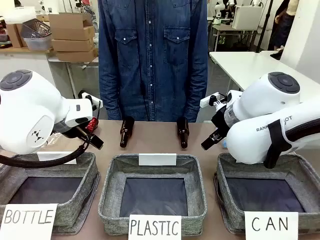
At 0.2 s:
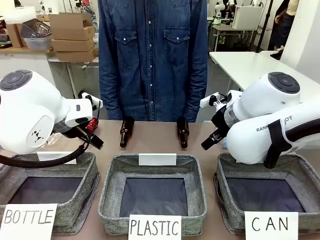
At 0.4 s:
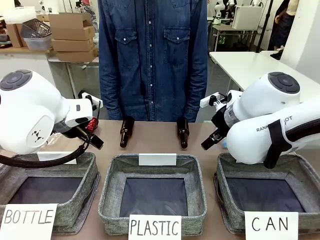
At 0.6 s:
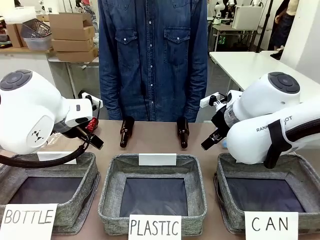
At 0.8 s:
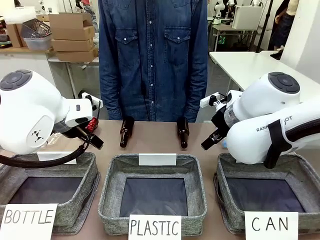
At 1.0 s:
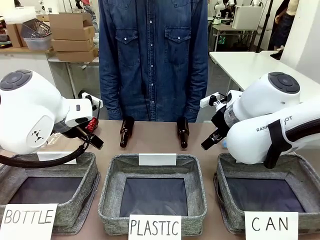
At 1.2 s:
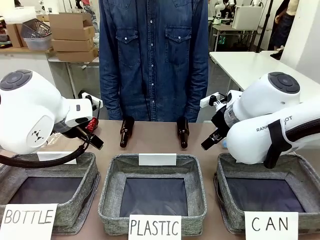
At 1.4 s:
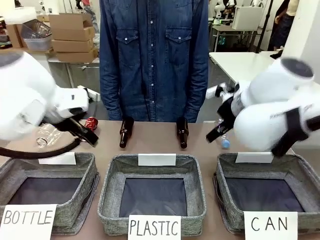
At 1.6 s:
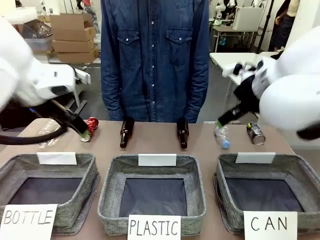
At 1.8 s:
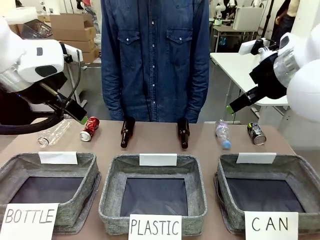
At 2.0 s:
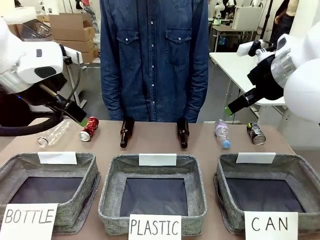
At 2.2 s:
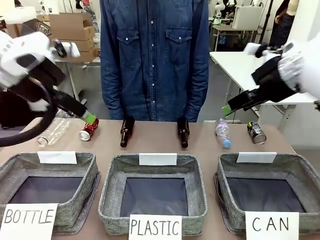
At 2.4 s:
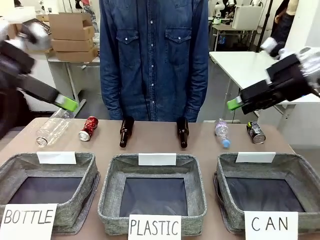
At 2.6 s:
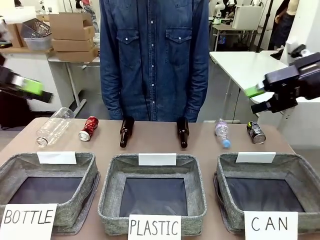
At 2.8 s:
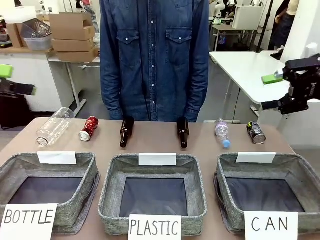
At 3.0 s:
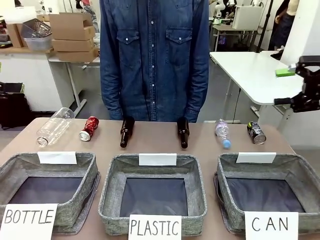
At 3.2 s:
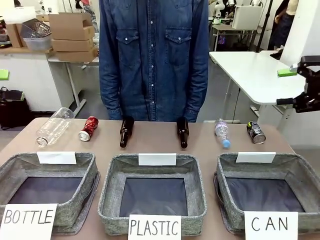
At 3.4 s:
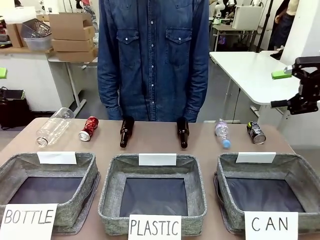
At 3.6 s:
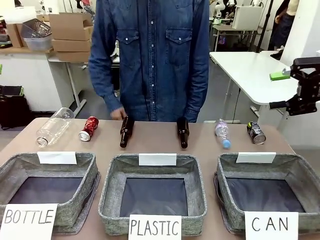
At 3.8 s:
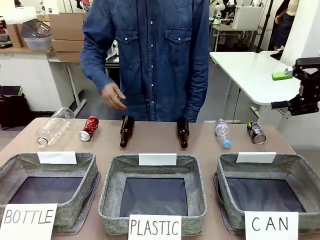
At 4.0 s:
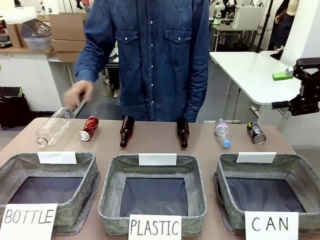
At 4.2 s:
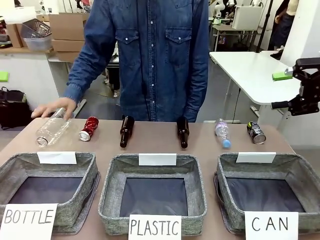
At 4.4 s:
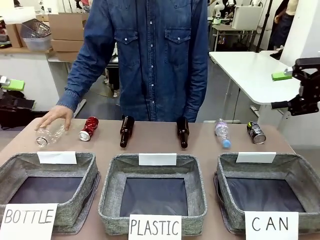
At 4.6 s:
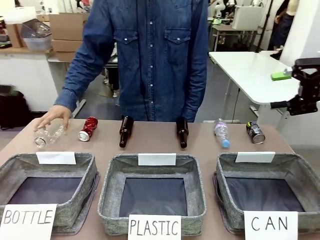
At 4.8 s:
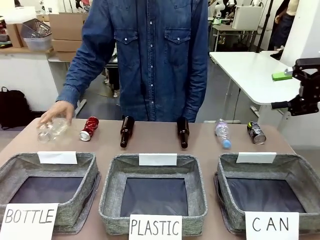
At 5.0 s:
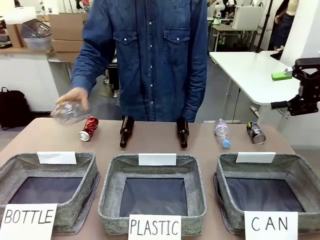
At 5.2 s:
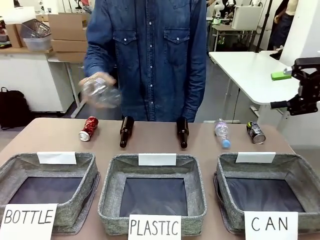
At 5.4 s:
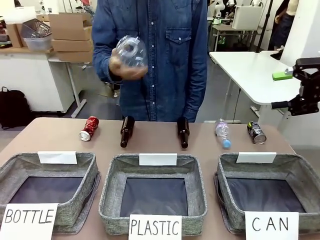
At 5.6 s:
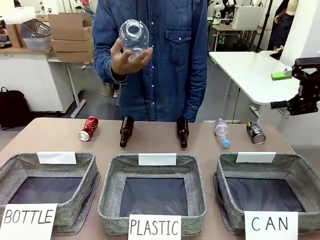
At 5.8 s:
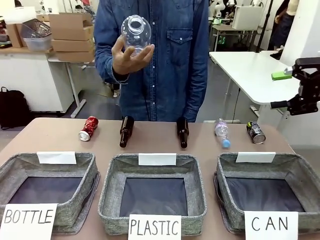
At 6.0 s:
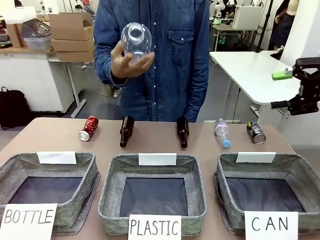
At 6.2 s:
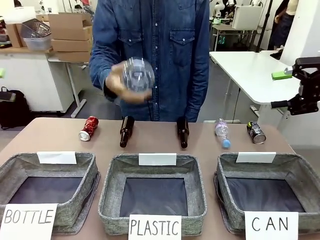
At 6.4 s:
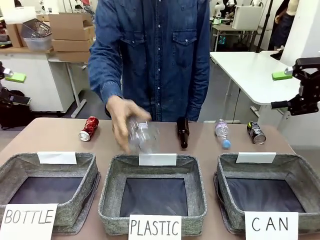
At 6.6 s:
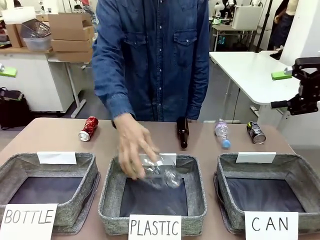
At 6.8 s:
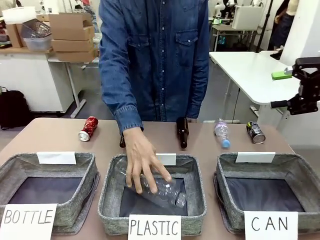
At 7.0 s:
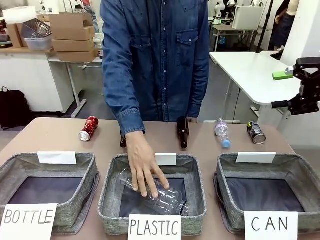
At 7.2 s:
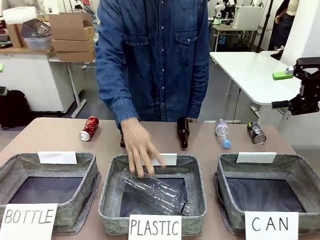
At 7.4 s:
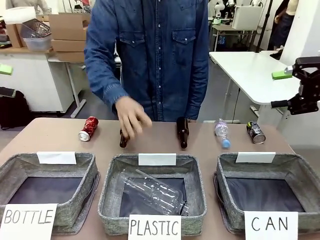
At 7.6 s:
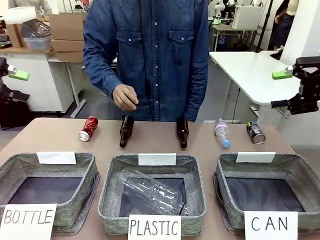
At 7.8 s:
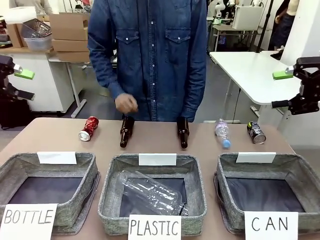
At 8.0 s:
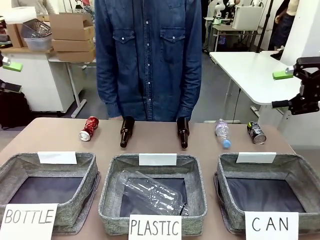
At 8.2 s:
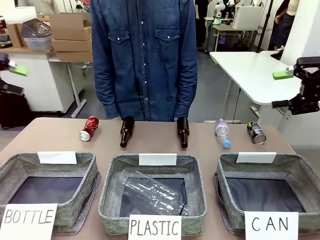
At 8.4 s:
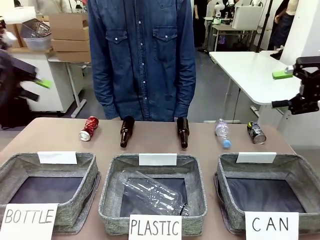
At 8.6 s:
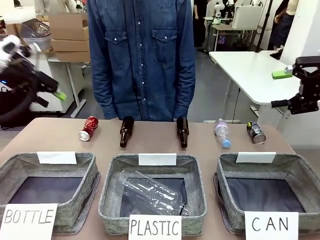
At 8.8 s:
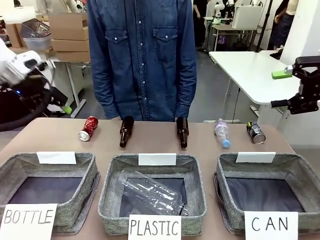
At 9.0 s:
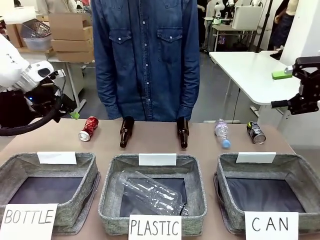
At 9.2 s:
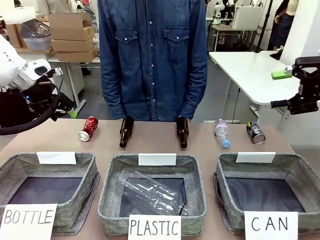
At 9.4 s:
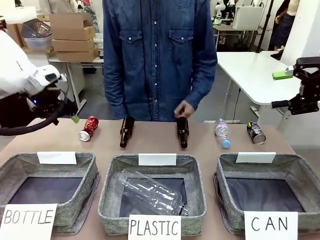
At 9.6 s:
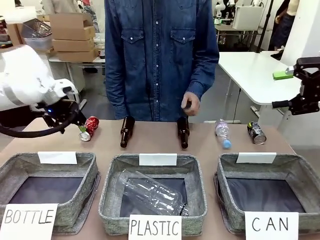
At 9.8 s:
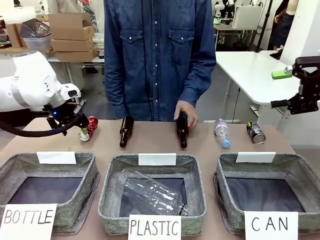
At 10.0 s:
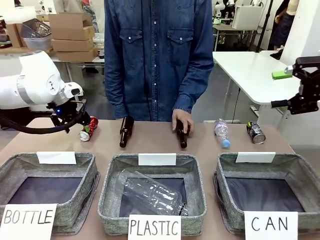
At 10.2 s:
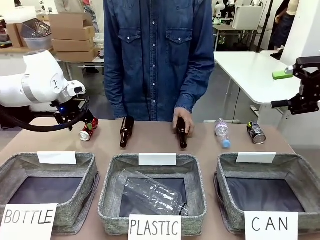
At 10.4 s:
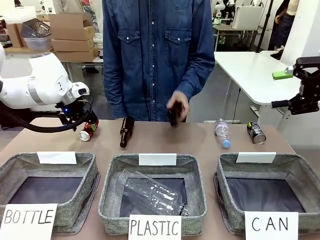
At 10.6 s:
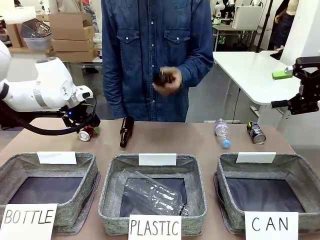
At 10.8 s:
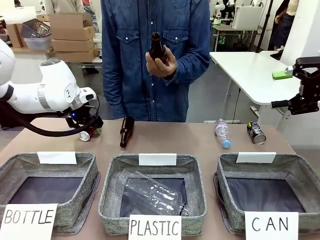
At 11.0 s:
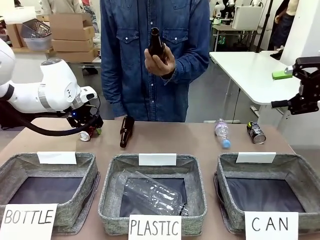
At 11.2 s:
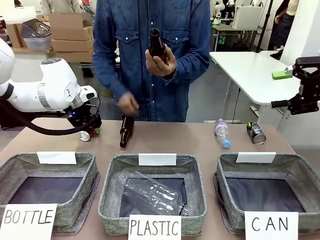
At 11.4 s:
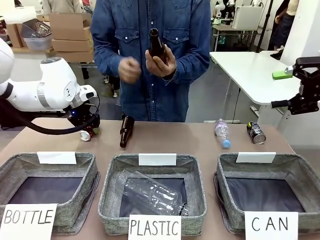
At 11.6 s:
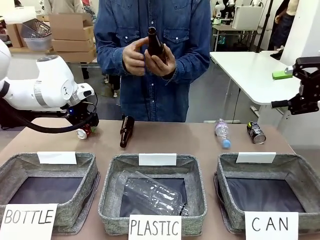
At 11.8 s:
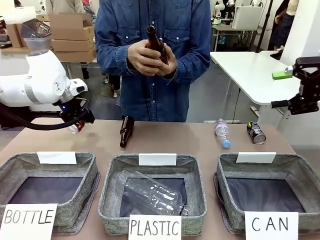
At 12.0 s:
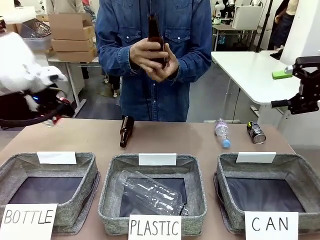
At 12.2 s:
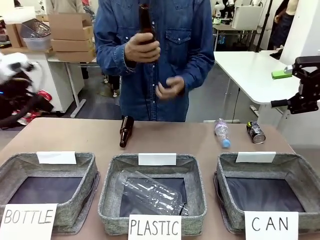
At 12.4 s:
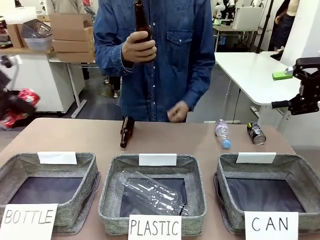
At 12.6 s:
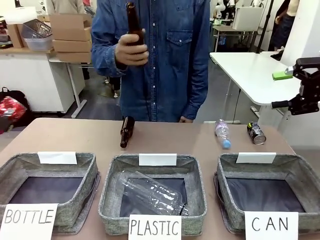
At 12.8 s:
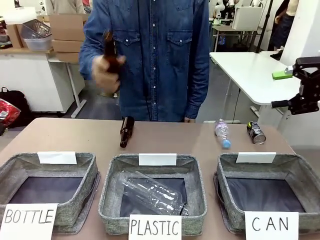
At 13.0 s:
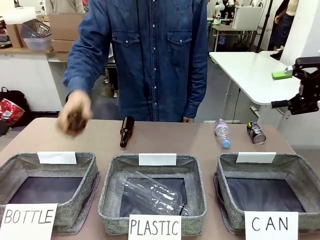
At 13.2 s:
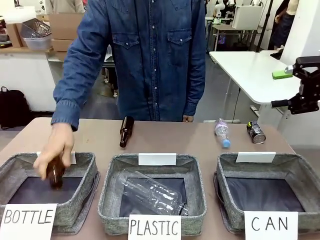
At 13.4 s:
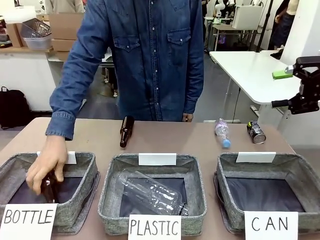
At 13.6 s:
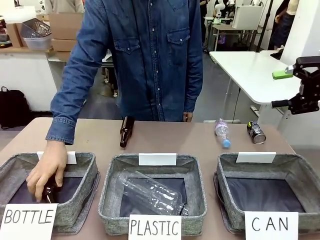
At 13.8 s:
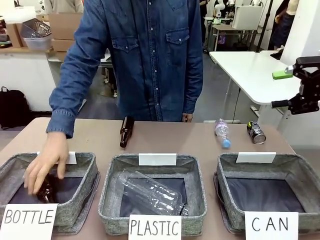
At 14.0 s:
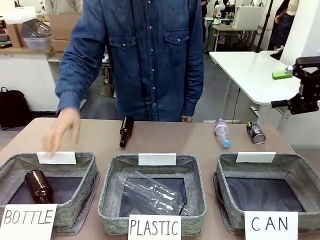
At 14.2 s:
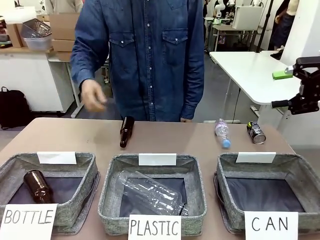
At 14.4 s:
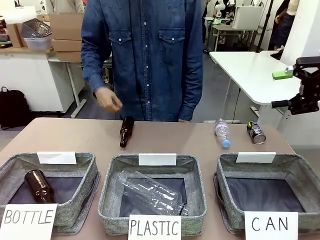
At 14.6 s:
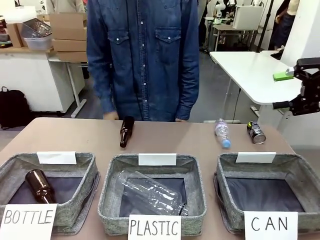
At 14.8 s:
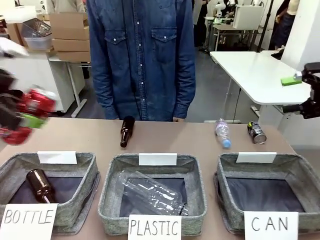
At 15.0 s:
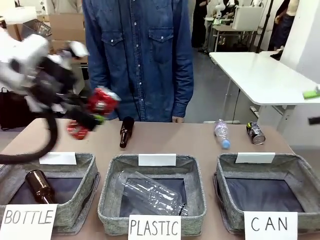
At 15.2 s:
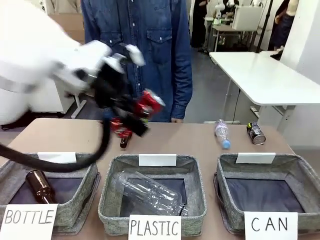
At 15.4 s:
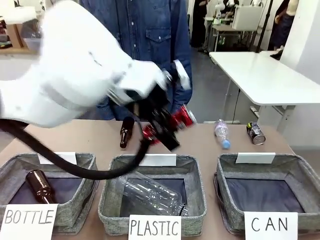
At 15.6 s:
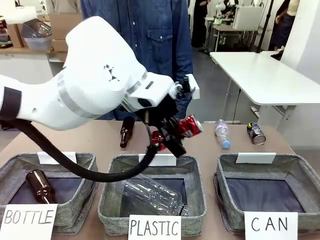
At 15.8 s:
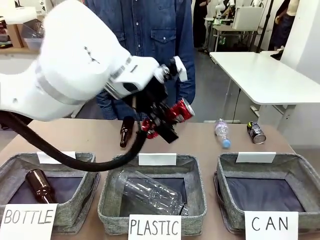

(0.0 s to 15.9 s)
Task: Sort the can waste into the basket.
Robot: Pick up the can waste from the table and place it in the right Fabric basket.
